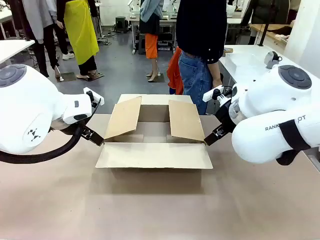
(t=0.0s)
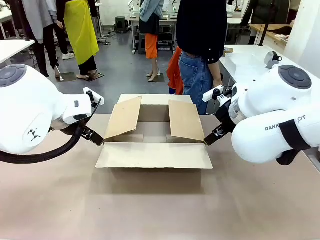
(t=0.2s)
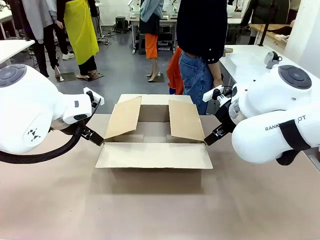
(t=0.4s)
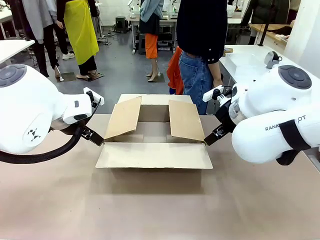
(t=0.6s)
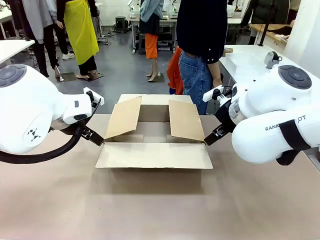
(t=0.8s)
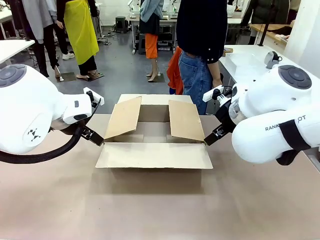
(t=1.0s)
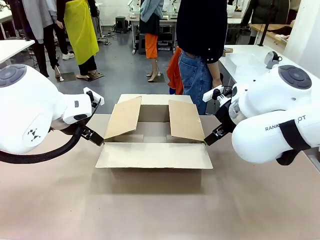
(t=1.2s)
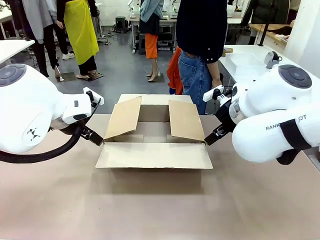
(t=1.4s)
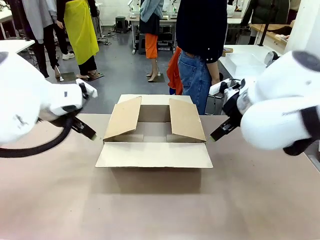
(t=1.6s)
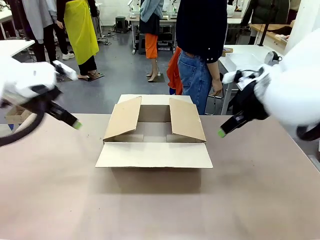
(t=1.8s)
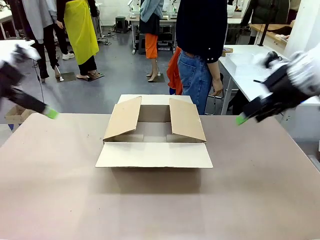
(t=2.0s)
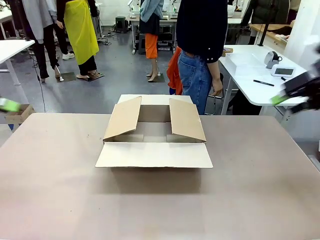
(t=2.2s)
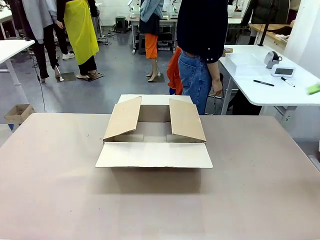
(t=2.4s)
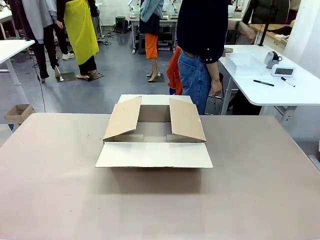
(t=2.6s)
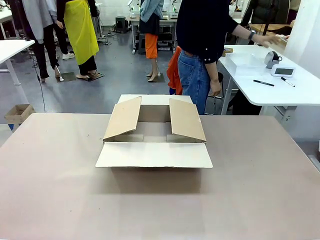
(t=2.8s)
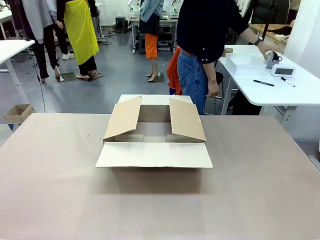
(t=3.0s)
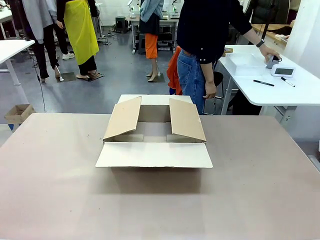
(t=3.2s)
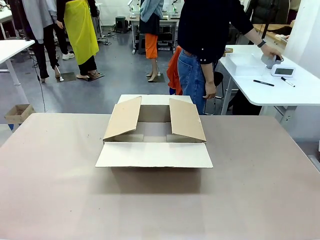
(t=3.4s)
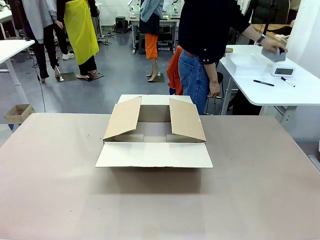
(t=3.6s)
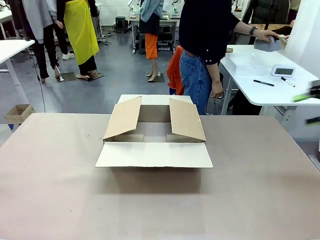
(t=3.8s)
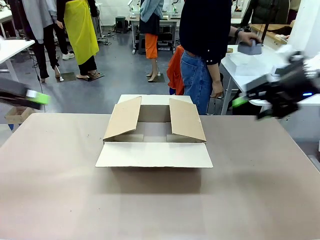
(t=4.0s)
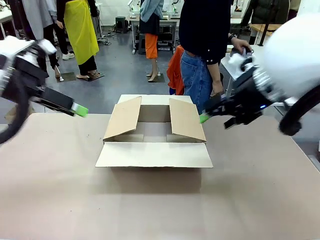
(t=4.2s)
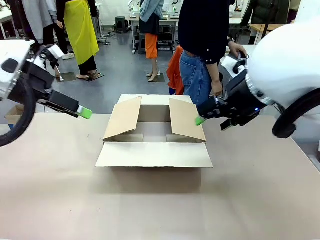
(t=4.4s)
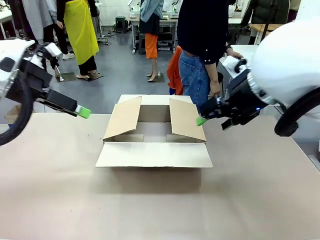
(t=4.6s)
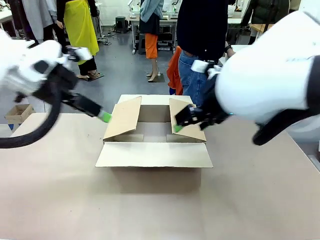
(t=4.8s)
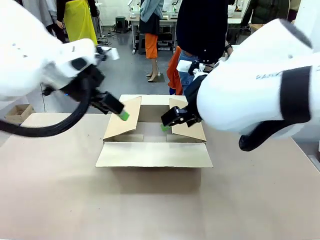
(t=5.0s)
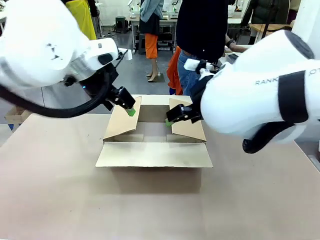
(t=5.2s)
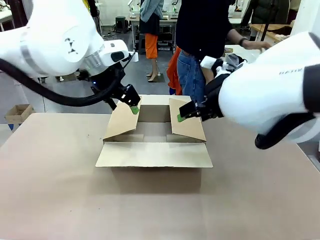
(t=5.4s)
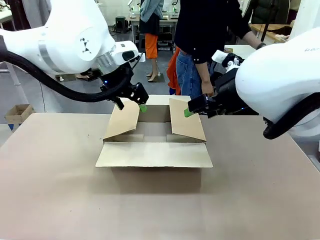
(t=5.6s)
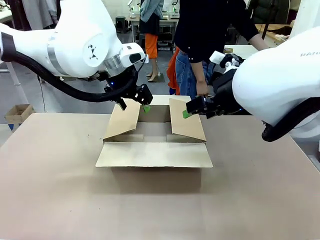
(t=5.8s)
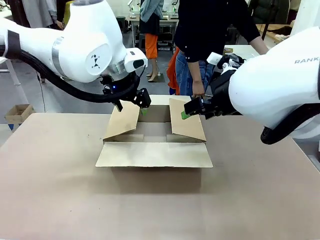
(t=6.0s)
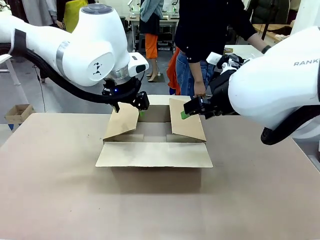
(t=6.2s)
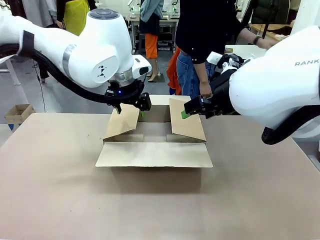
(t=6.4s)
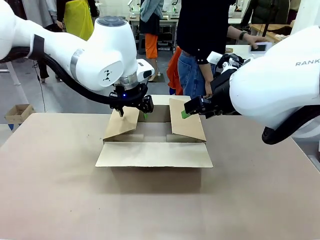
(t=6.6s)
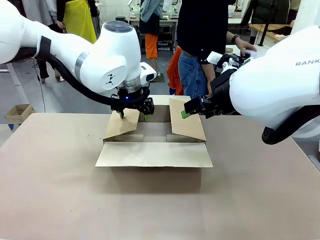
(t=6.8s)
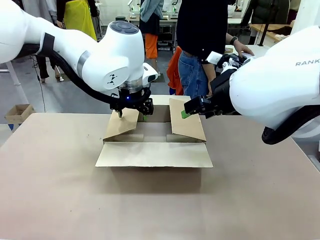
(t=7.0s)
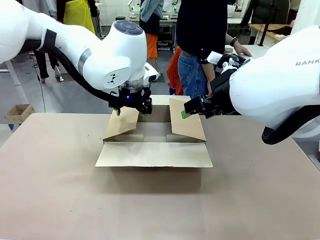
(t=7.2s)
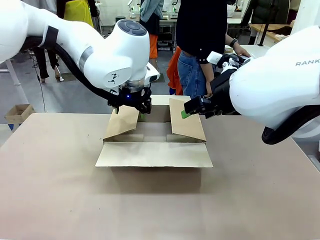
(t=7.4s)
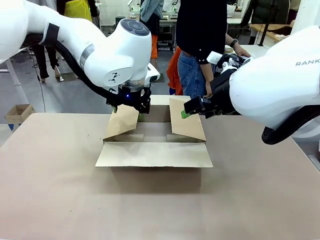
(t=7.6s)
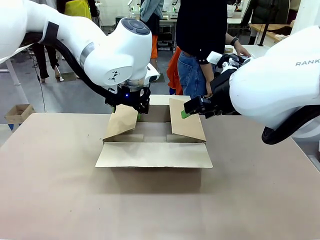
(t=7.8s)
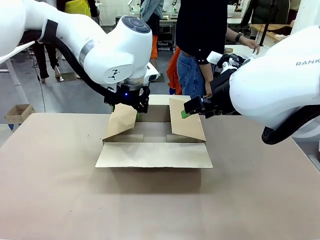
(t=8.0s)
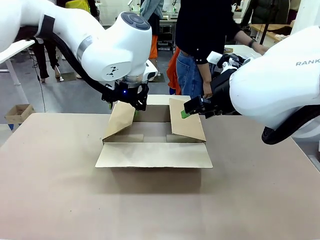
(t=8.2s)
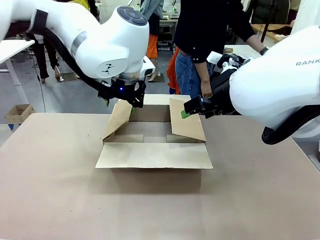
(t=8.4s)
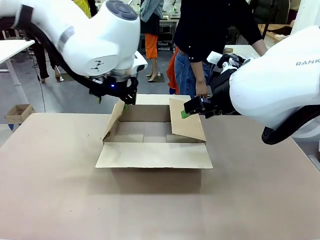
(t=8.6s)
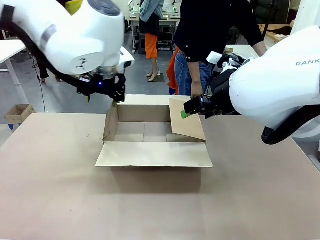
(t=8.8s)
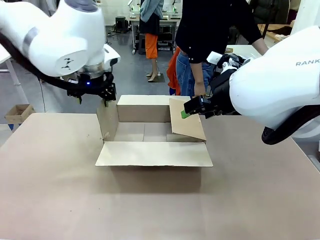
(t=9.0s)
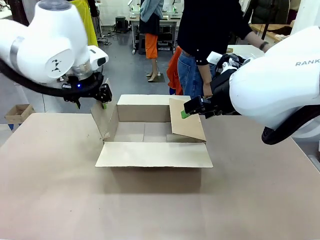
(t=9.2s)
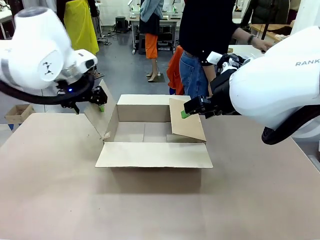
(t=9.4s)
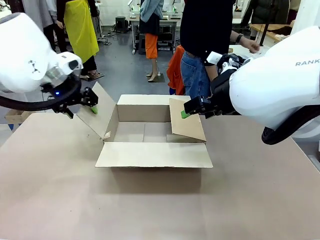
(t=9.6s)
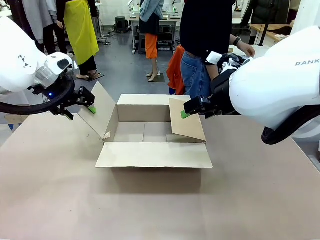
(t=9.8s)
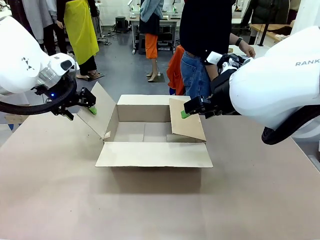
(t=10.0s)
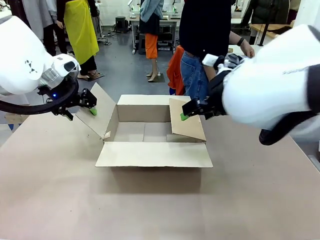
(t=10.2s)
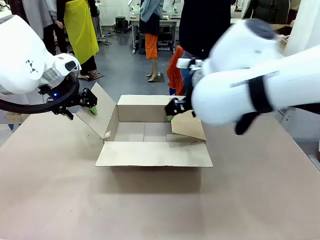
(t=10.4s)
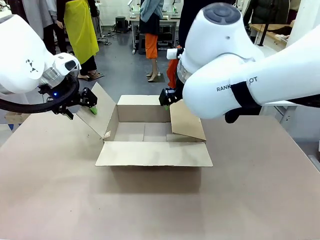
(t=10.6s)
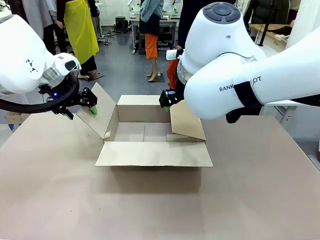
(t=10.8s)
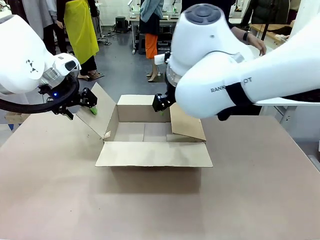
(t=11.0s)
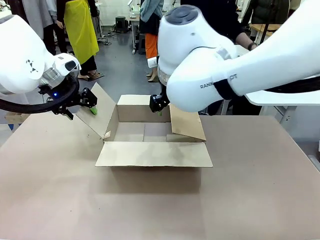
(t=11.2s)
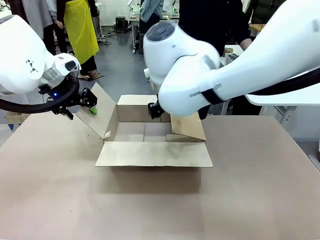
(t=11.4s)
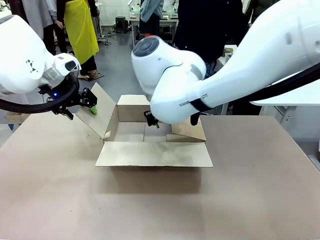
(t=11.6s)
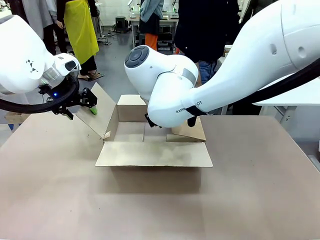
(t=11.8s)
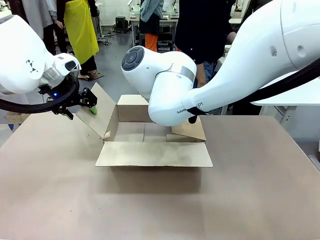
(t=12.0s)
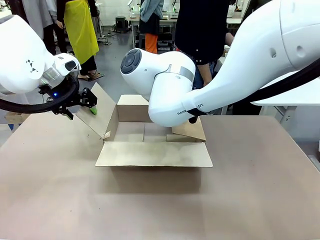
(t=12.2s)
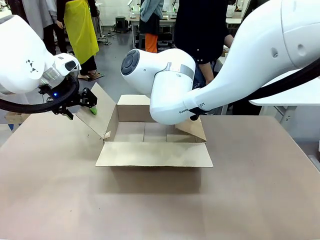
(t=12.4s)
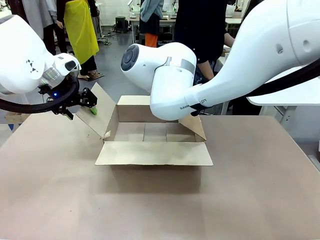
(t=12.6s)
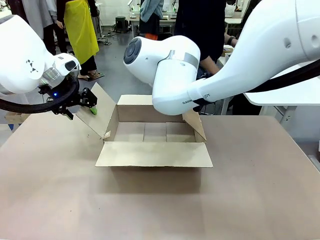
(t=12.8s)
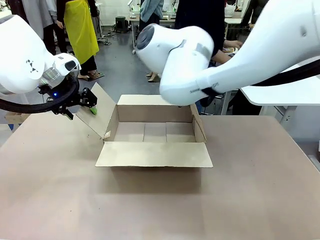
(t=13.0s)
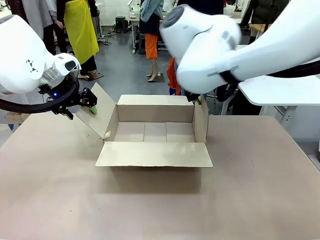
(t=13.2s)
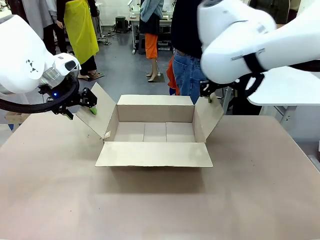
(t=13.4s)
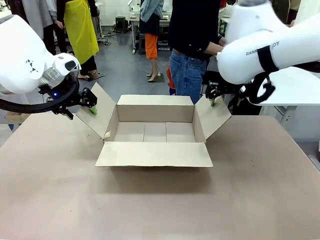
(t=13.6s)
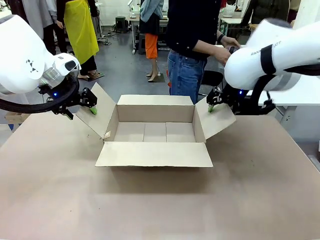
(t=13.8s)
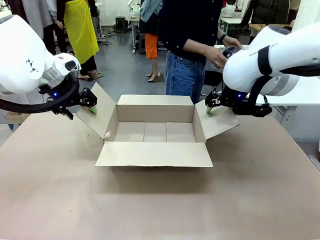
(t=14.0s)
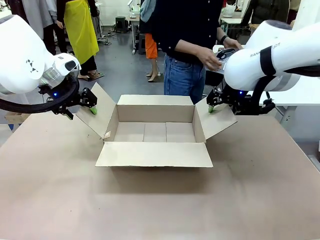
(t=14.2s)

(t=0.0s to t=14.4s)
Task: Pack the gift set into the box.
Robot: Place both hands on the side flaps of the Package Box and spread them outward.
Person: The human places all items except the paper tape into the organizing basket.

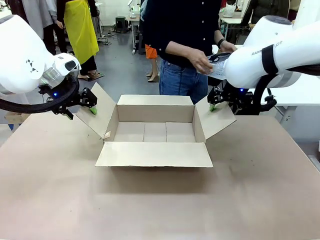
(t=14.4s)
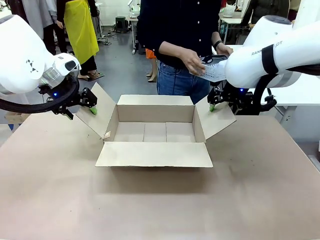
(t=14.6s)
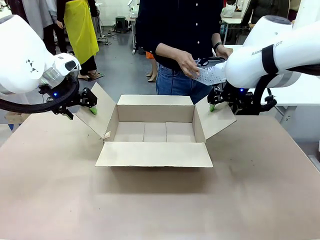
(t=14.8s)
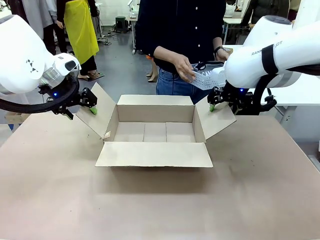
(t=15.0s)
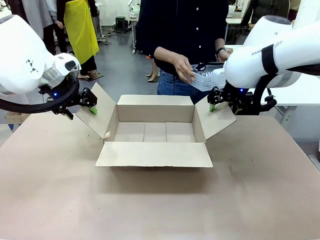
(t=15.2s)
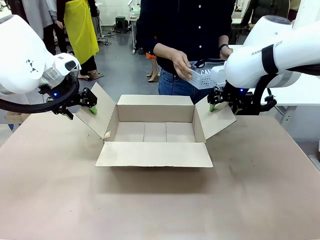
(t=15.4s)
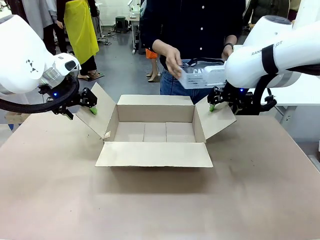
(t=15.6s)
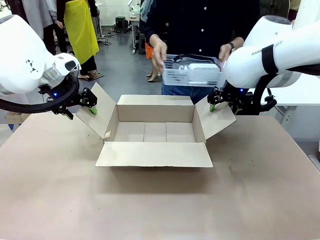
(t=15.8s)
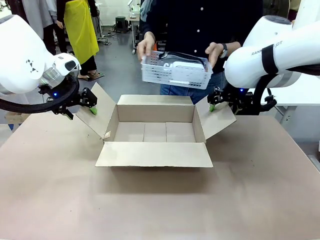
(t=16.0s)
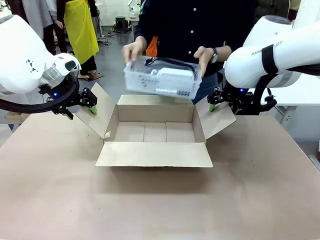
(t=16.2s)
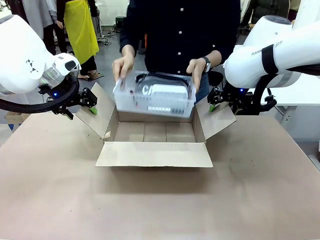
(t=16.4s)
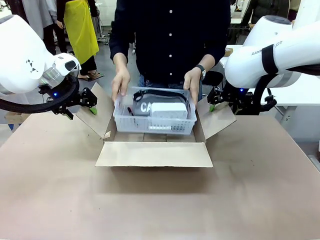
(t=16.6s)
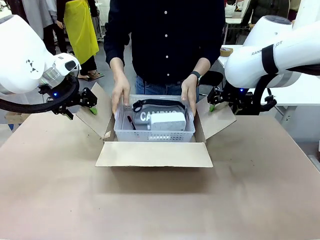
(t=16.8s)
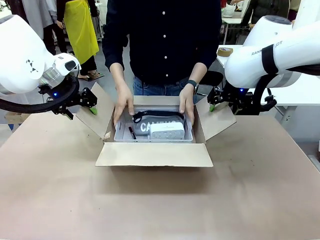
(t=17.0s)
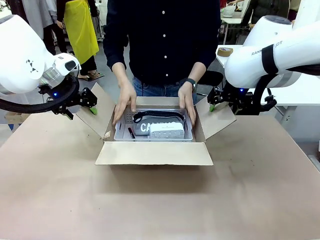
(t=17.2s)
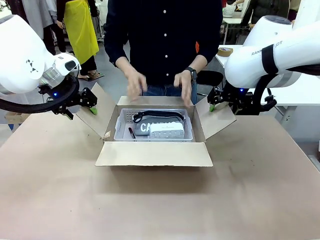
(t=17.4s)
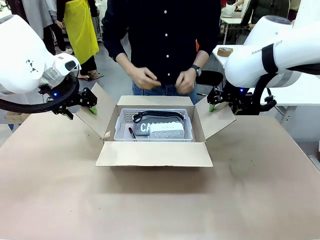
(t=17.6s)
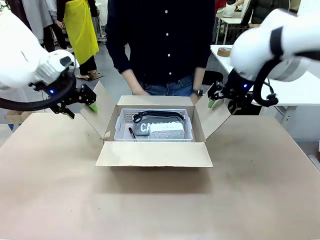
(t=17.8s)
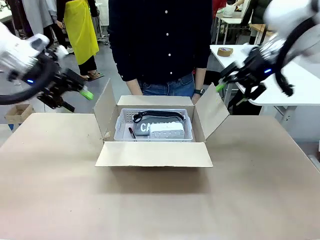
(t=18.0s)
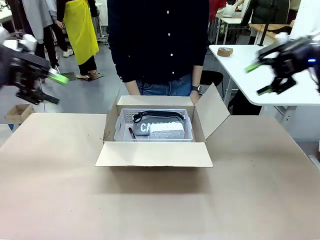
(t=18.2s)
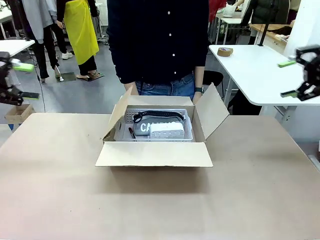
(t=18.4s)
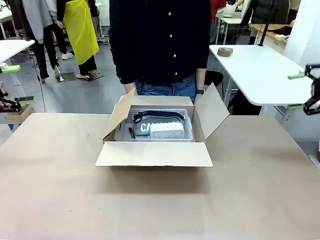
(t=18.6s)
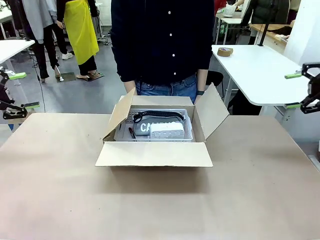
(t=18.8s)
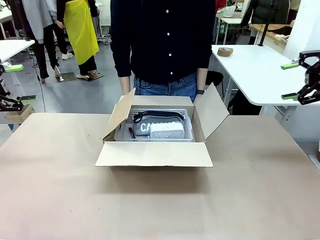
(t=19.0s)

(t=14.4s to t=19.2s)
Robot: Lift both hands away from the flaps of the Package Box.
Person: The human picks up the organizing basket and places the organizing basket into the package box on the robot table.
